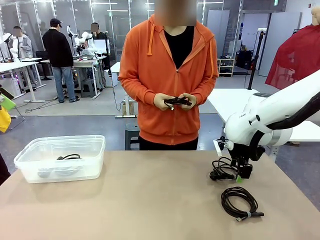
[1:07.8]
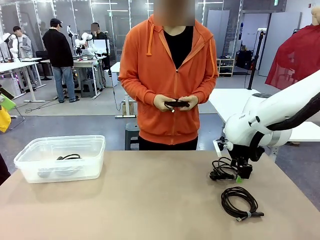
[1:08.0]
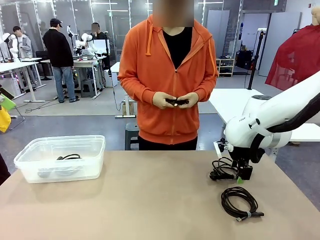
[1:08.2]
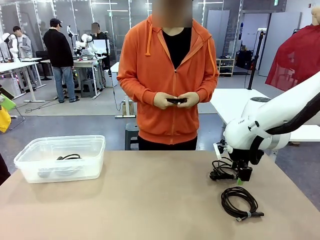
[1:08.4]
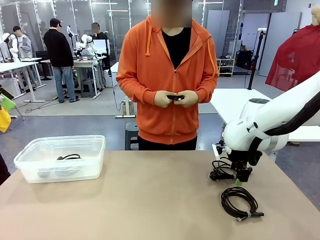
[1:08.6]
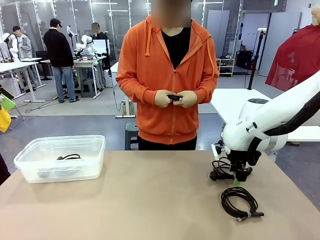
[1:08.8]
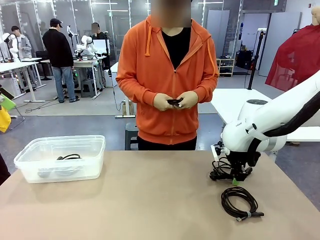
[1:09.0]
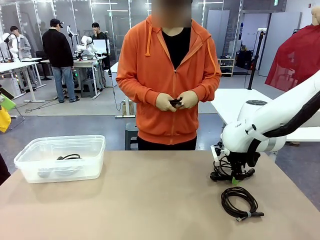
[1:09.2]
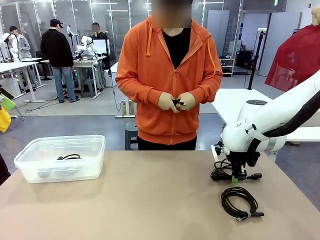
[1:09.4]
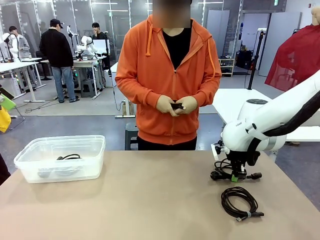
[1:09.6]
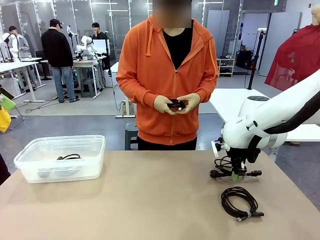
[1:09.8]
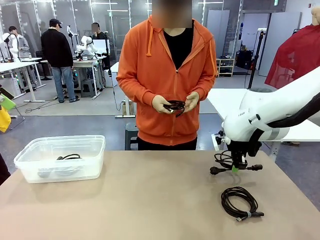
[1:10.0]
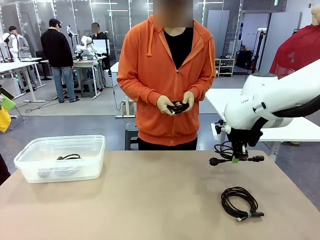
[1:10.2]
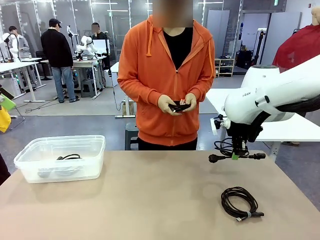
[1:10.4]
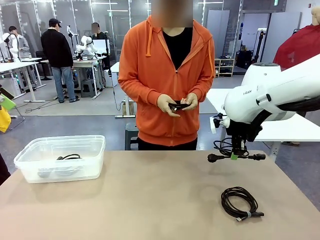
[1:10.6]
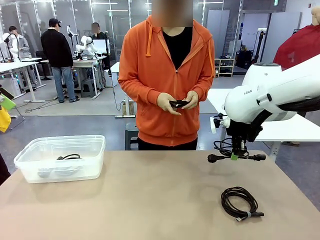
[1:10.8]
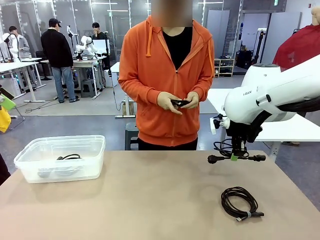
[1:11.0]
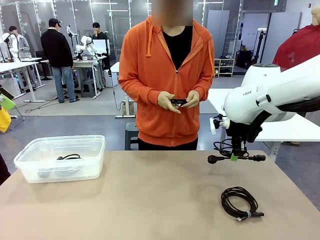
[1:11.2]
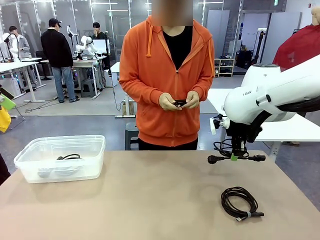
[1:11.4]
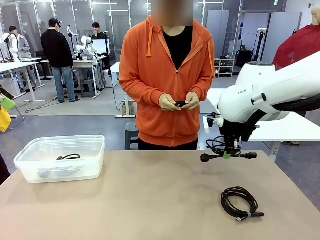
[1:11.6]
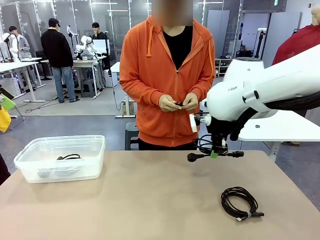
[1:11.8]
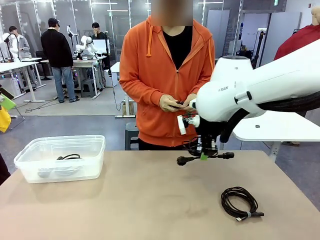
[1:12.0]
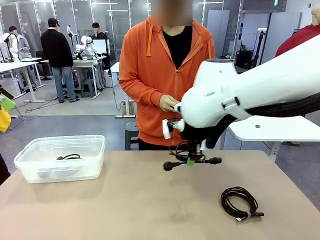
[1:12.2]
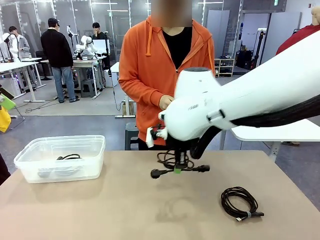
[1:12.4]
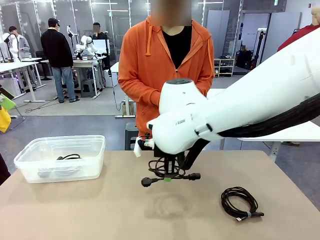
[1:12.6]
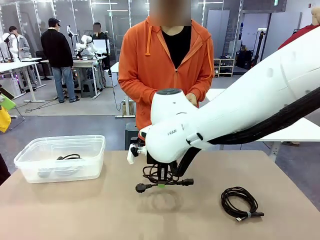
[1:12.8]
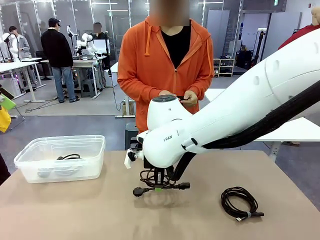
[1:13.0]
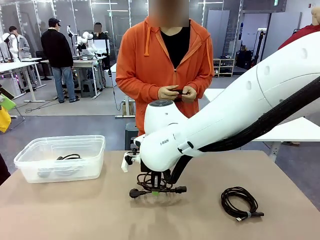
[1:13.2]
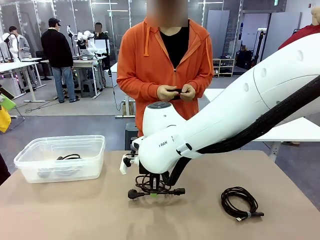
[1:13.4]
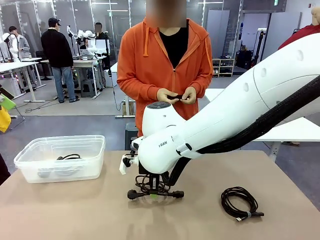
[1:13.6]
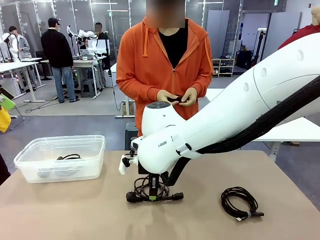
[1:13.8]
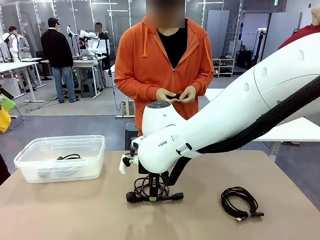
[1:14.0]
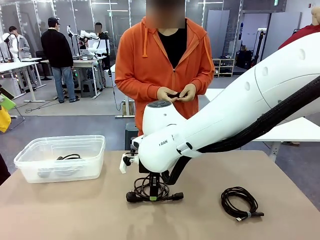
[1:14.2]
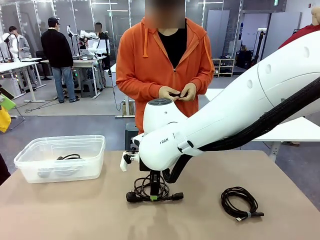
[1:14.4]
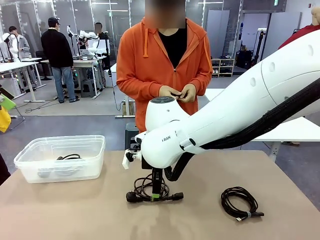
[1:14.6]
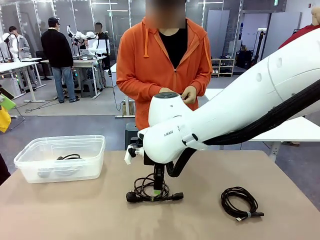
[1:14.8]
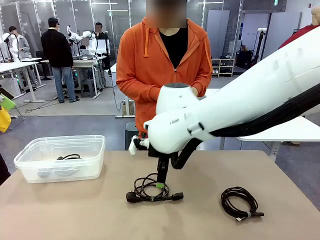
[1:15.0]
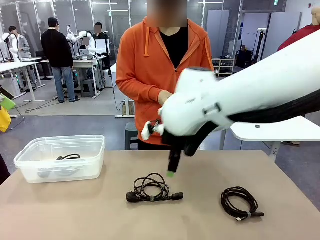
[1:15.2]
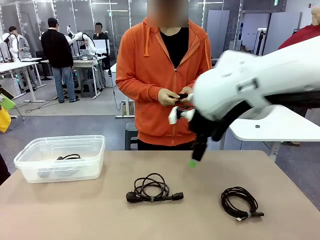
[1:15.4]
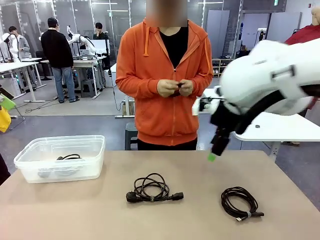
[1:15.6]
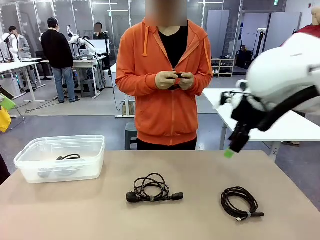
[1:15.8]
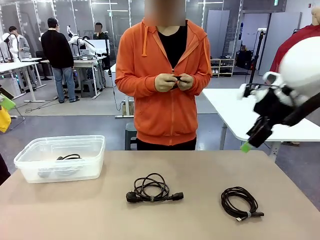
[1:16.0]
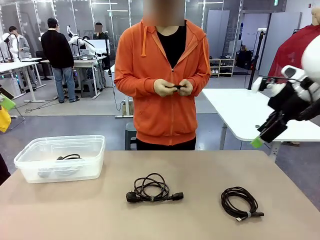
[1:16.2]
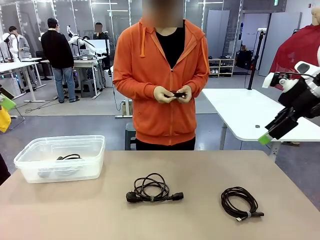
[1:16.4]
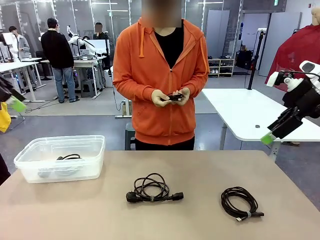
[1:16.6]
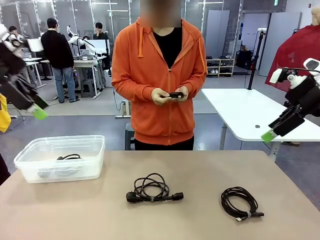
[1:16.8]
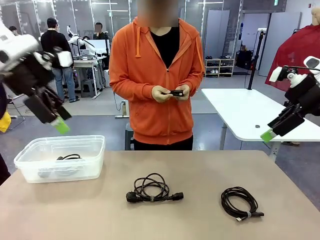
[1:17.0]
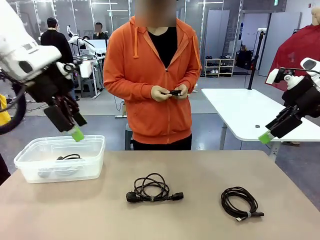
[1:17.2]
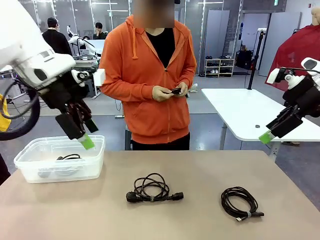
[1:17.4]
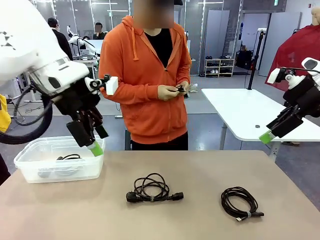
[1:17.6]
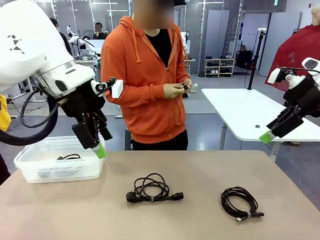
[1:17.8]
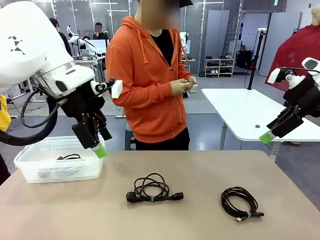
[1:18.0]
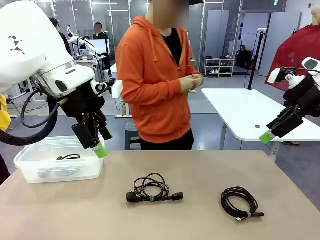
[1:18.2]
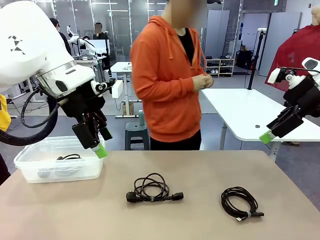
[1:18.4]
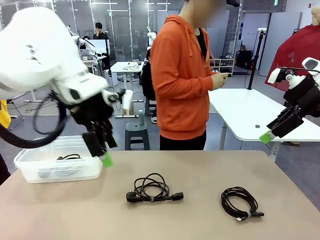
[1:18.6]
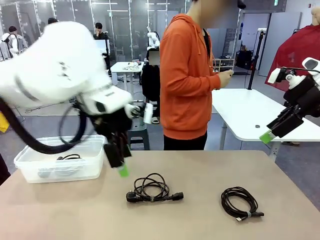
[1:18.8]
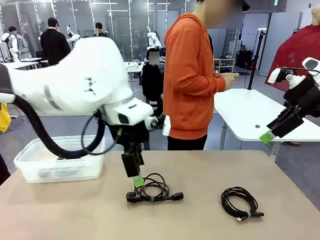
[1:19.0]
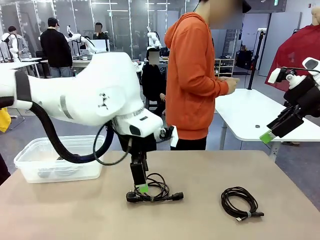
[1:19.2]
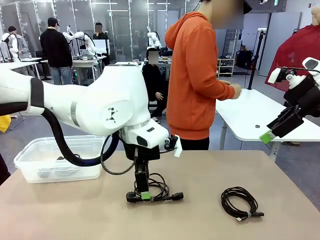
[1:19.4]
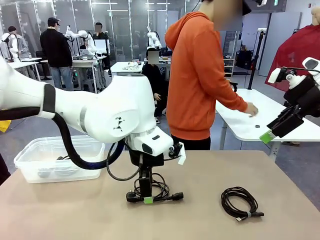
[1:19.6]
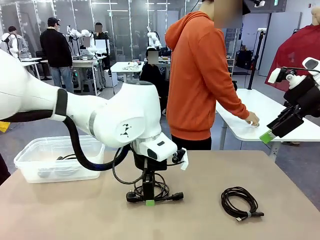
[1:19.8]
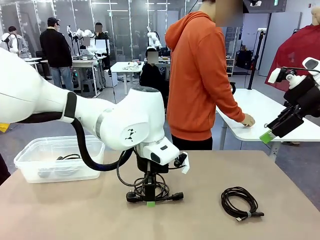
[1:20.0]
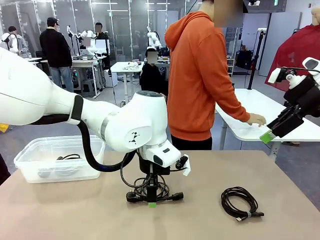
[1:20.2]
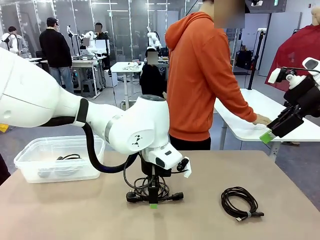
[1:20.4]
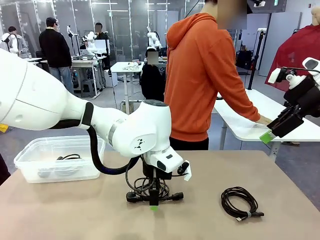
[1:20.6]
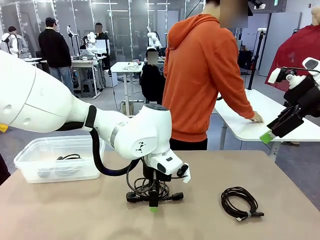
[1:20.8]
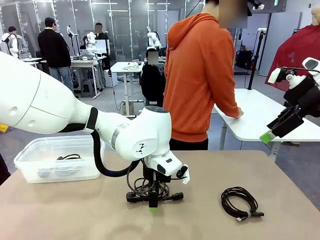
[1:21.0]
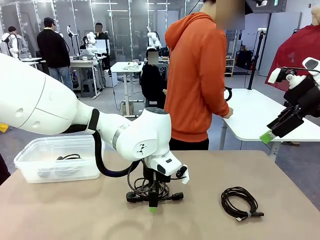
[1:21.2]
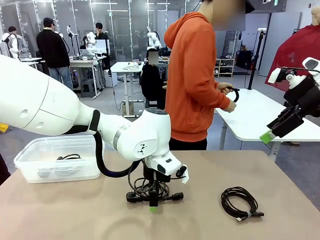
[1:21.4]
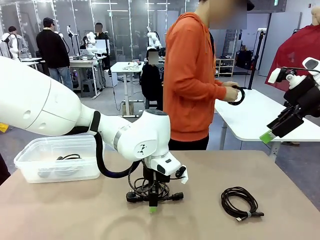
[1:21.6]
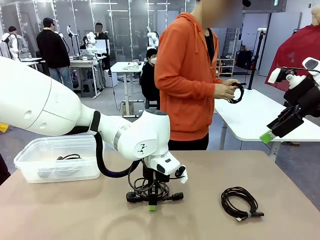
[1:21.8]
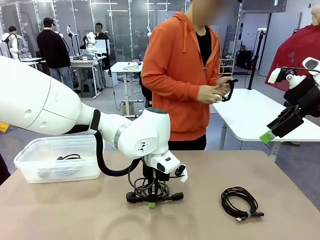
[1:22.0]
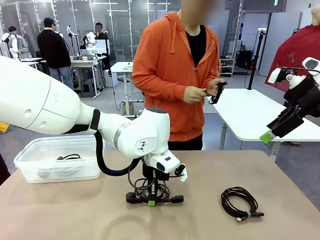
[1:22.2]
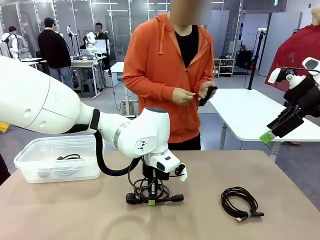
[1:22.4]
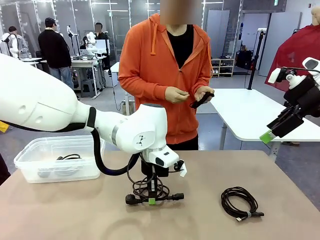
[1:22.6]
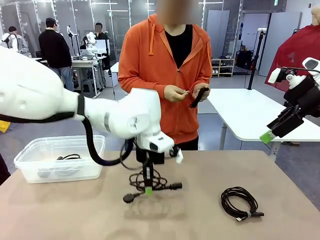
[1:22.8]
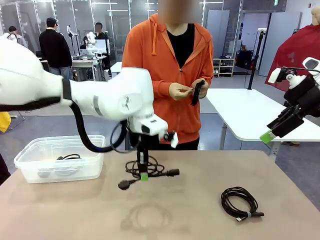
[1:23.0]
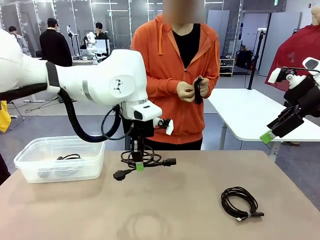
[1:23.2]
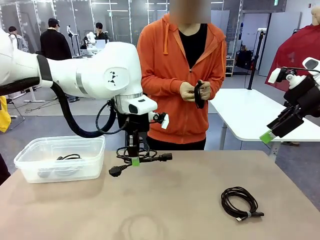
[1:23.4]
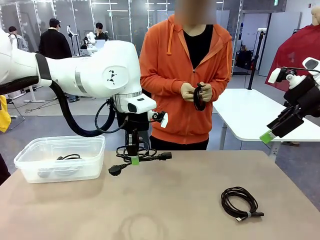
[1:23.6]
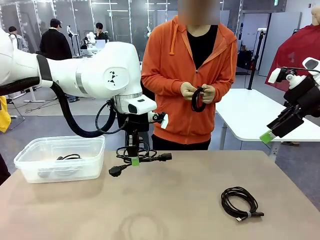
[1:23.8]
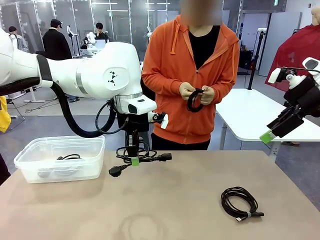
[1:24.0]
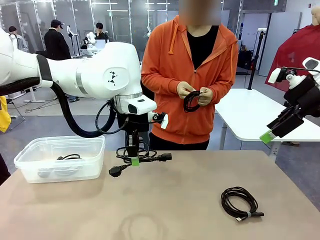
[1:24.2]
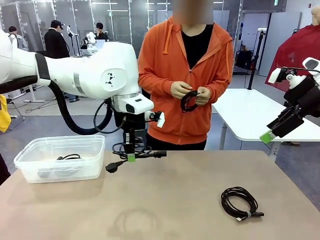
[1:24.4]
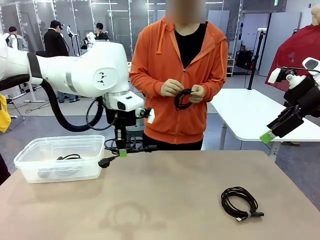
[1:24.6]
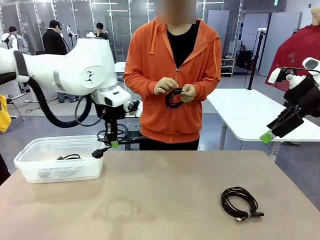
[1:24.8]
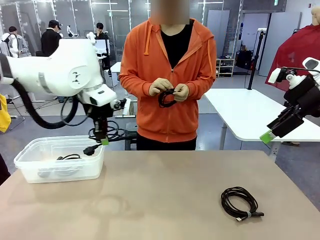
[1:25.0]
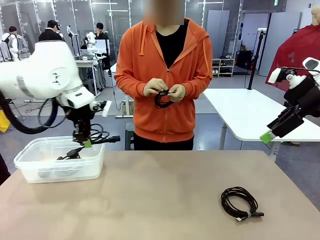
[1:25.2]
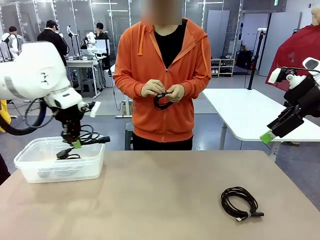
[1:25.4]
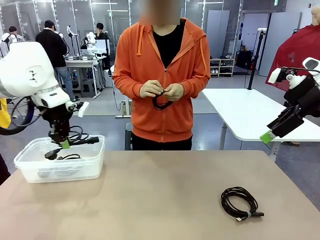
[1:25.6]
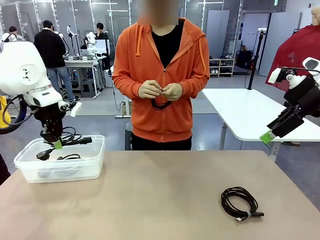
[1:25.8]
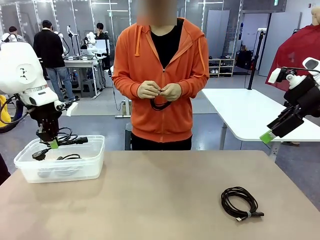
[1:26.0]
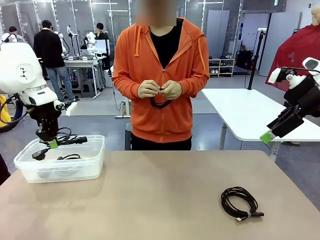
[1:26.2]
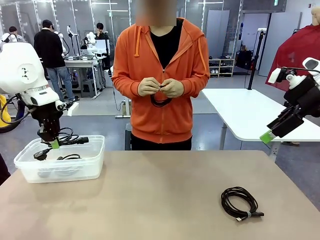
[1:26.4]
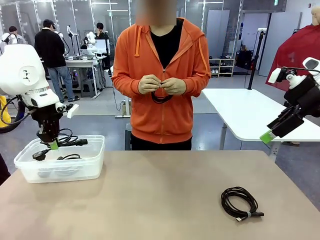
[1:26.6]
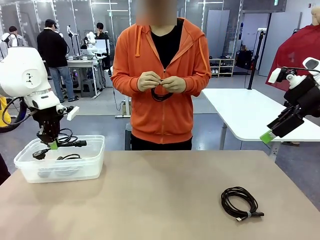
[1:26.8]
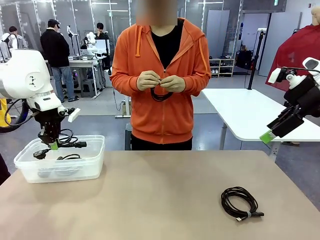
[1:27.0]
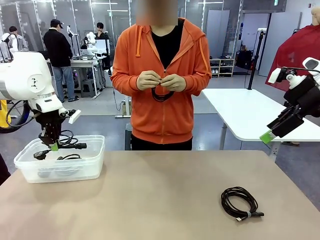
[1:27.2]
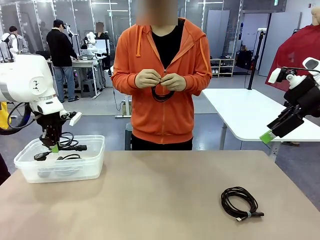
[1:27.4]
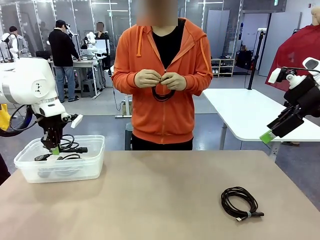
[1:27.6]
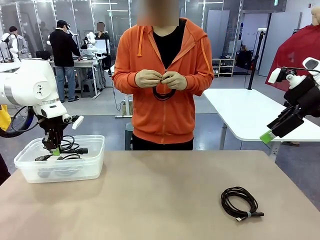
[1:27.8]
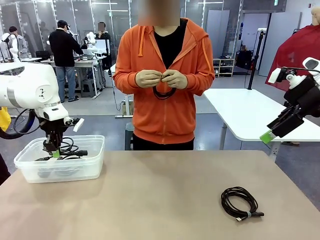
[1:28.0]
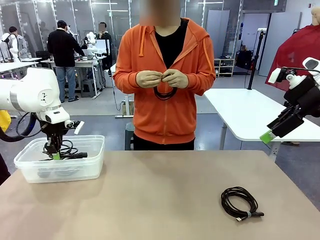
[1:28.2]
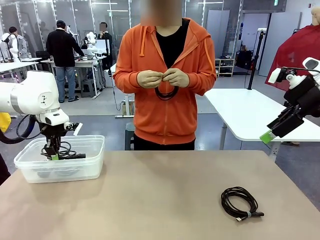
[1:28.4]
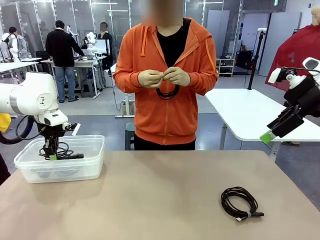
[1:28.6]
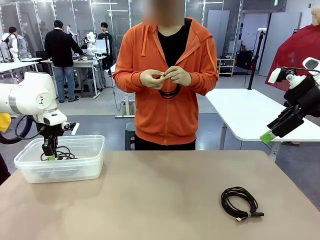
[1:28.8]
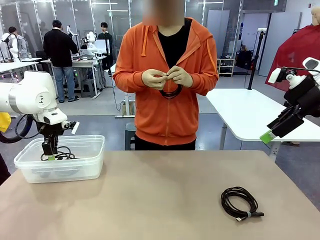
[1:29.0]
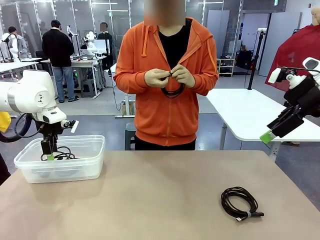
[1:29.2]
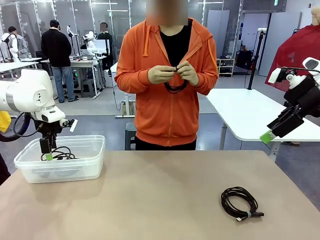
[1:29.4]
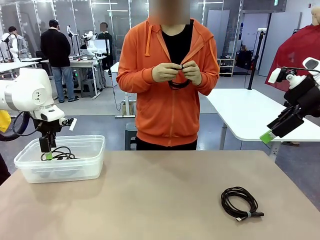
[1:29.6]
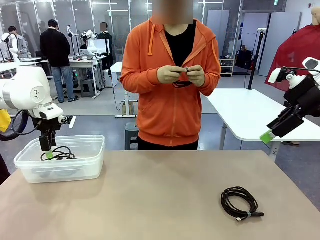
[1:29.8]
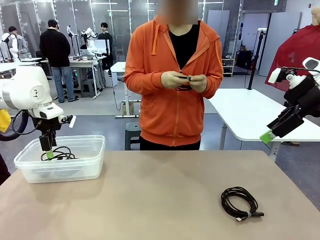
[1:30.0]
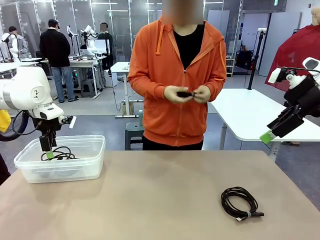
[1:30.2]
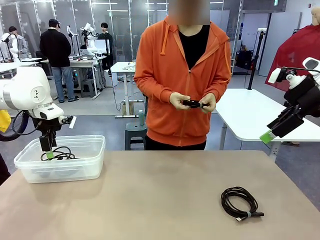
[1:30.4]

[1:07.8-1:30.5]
Task: Organize and store the cables.
Robot: Place the Power Cable into the Organizing box.
